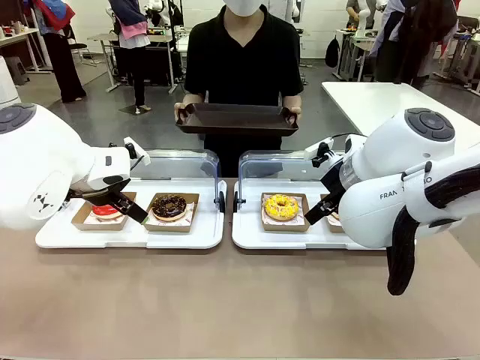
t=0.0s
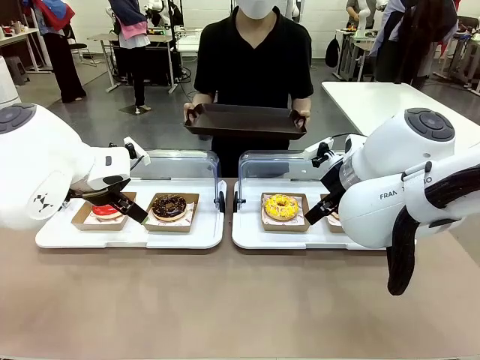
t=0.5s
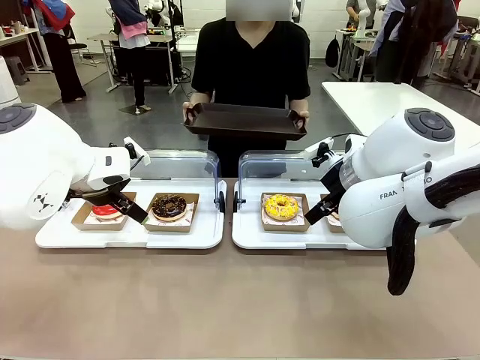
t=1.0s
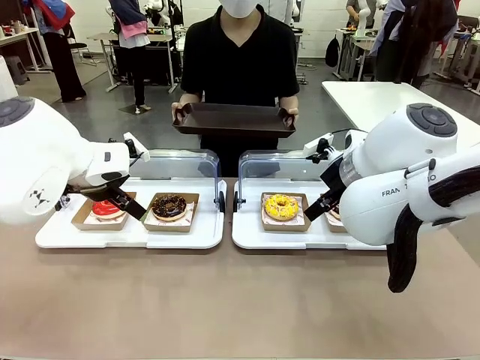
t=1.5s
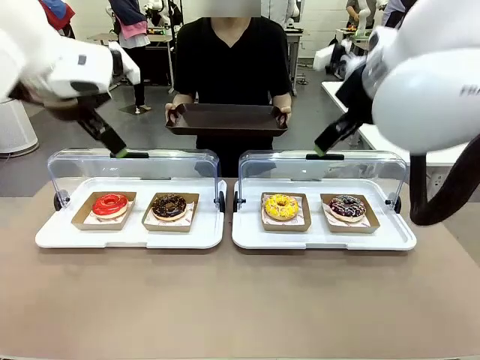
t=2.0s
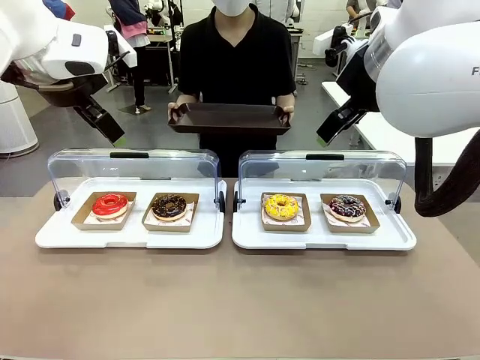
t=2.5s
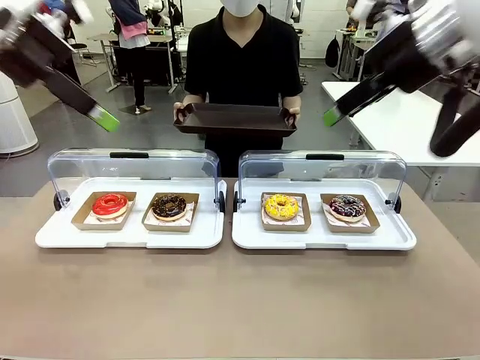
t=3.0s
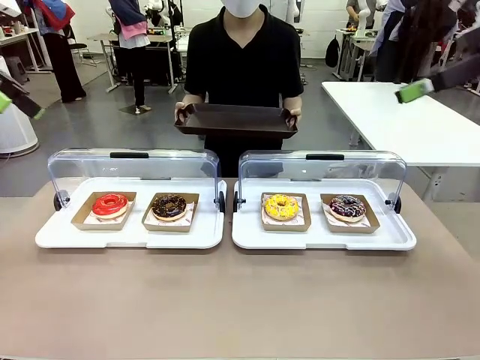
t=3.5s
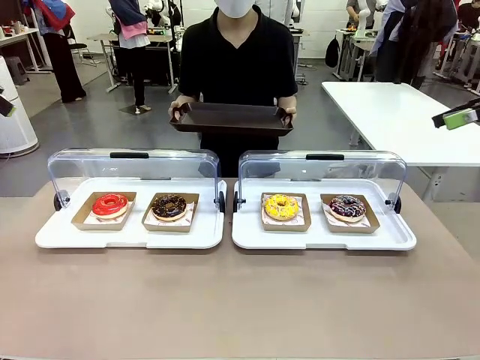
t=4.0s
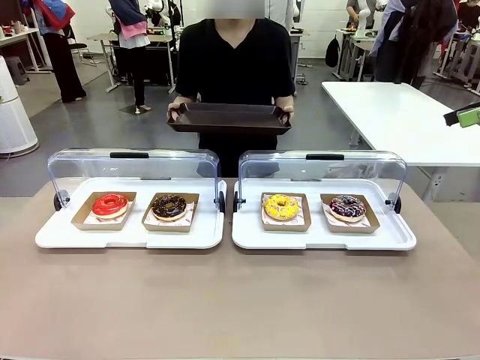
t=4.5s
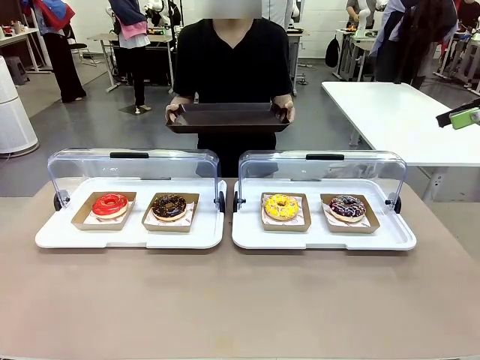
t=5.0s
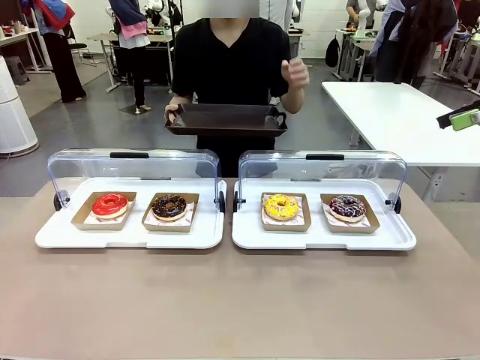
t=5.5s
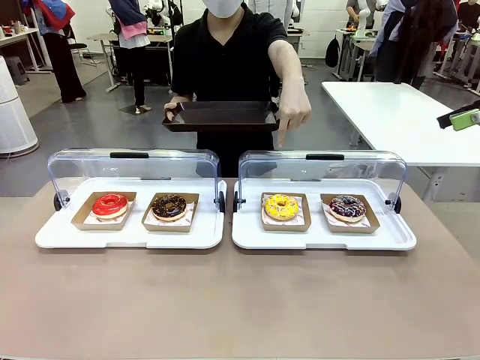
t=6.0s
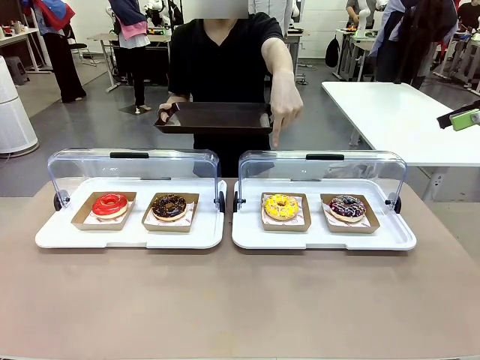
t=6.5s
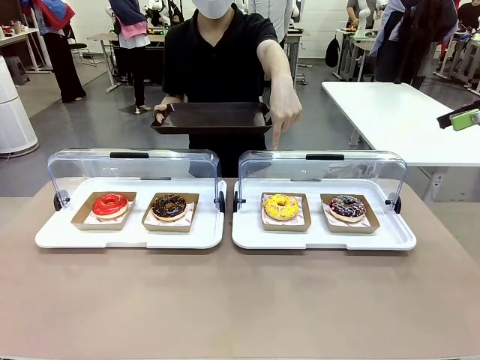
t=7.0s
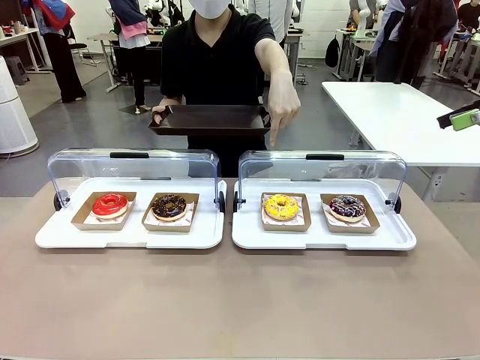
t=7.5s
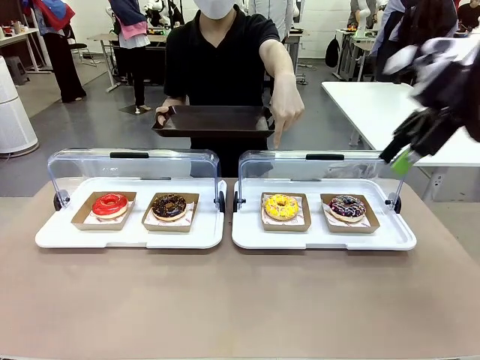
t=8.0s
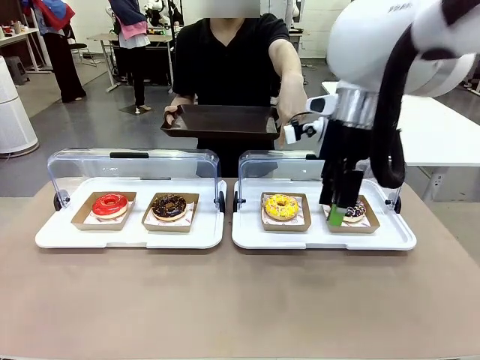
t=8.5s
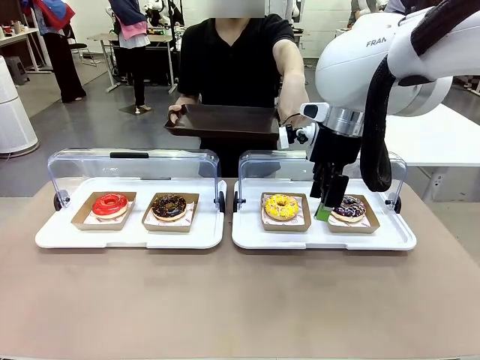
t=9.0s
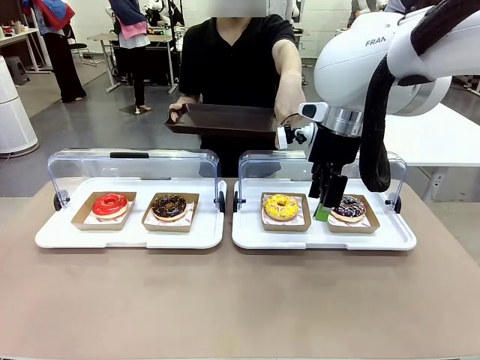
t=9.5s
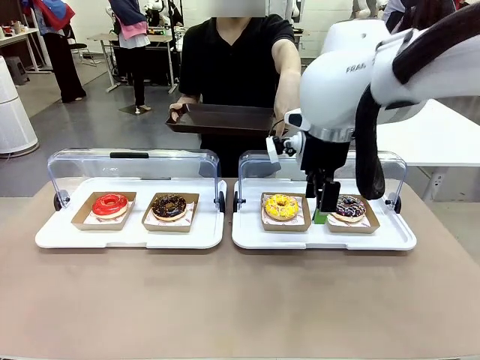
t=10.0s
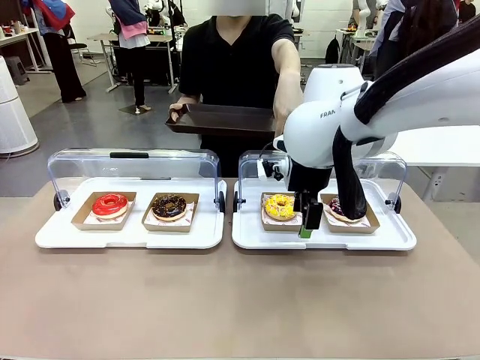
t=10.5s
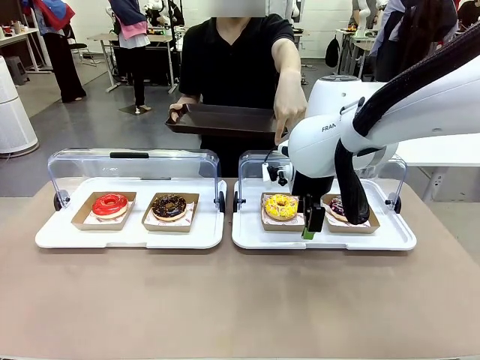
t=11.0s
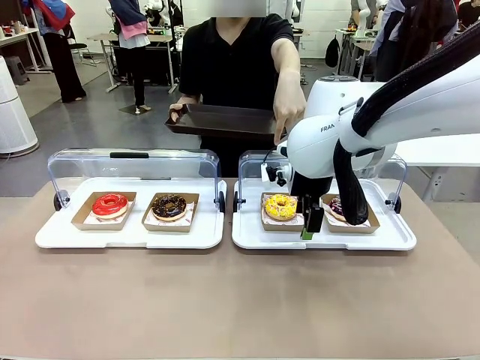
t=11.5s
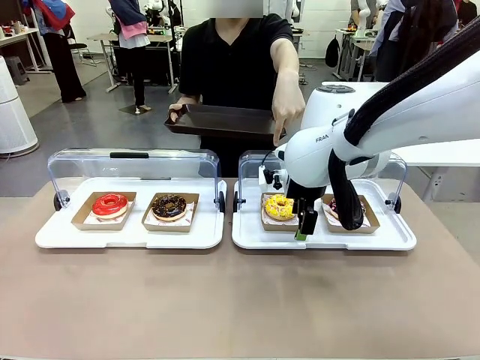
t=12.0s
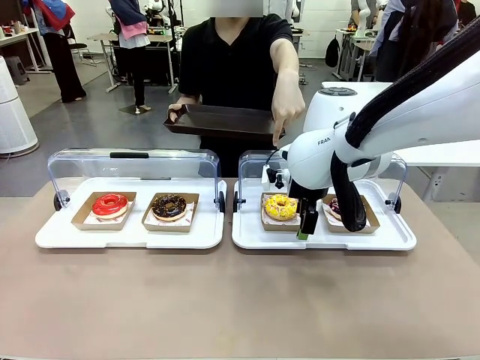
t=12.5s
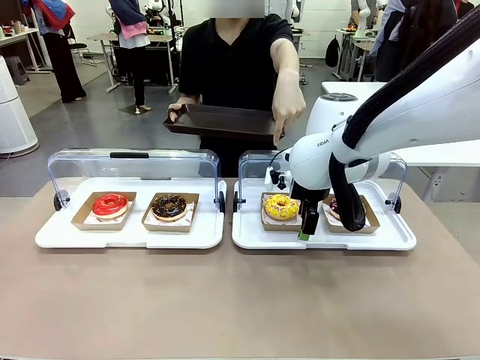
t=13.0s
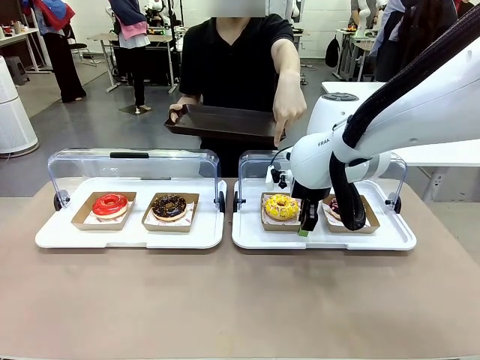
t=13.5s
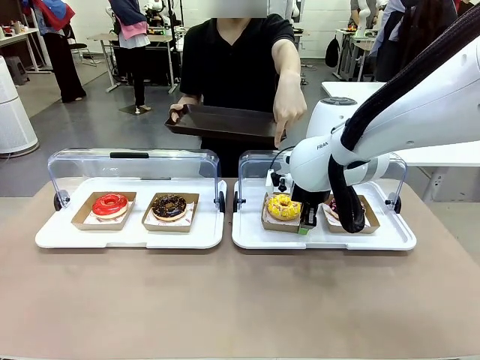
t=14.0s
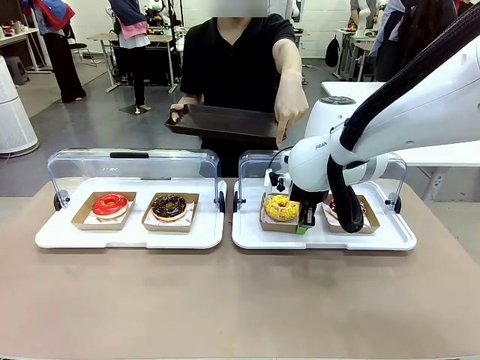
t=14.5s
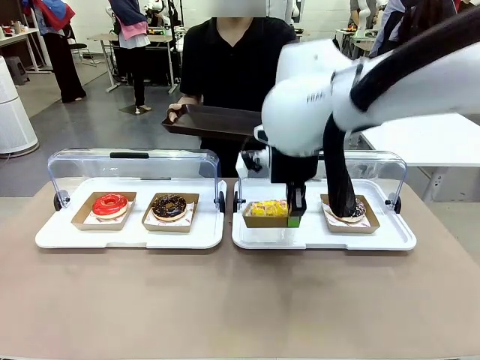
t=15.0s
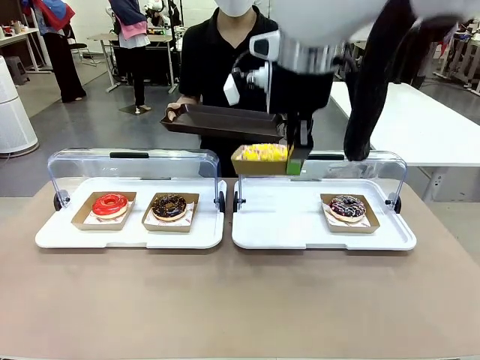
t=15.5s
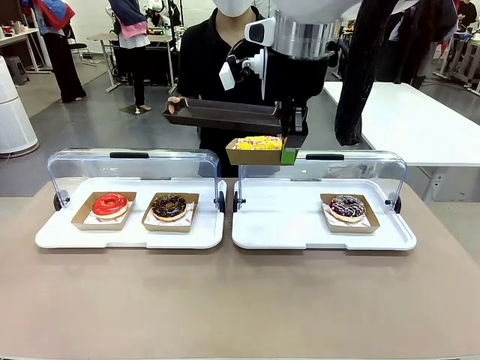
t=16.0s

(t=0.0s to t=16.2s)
Task: Provide the desired donut to the person.
Robot: Pick up and lift the Paper togo box containing the Donut pointed at by the person.
Person: Point to one donut. Lift the tray onto the Roll-Top Bakery Case.

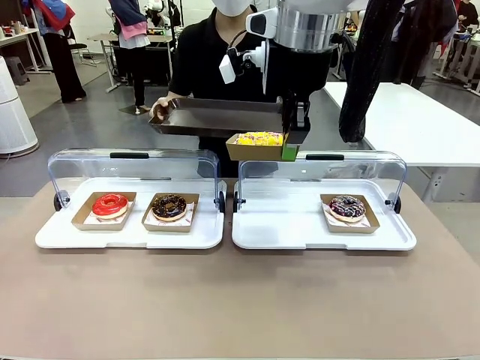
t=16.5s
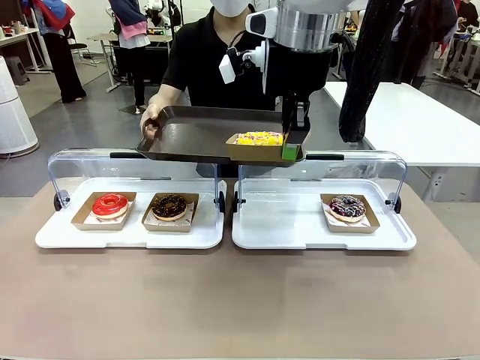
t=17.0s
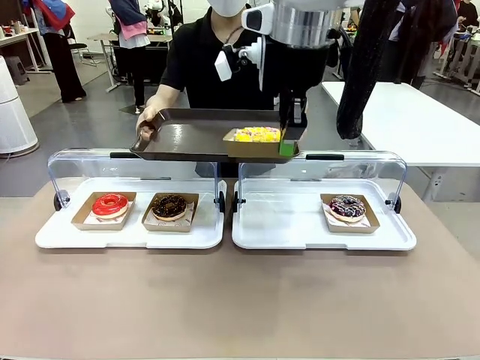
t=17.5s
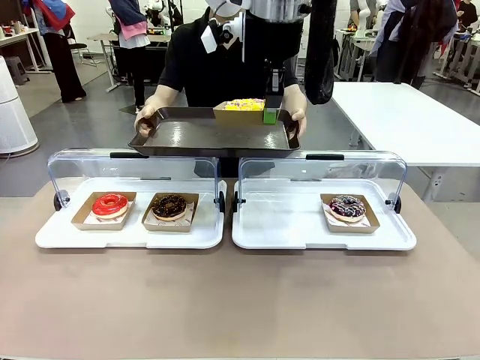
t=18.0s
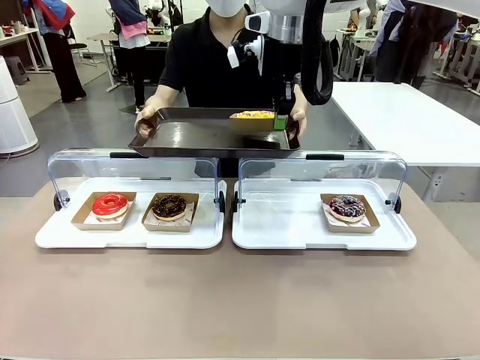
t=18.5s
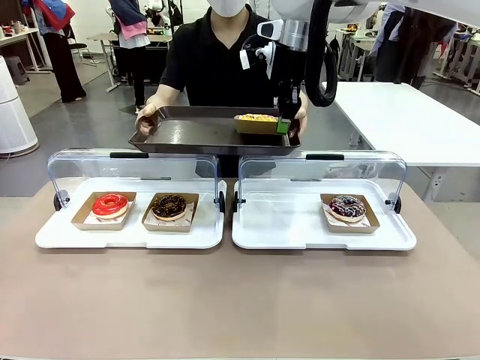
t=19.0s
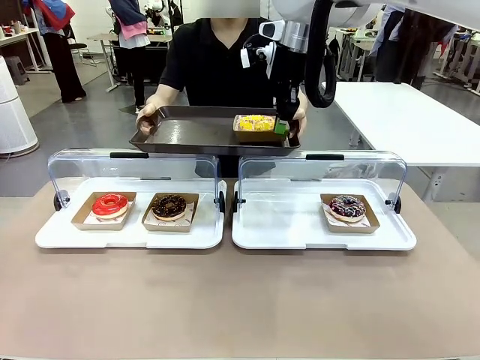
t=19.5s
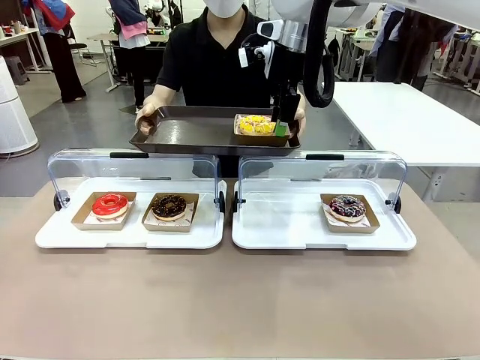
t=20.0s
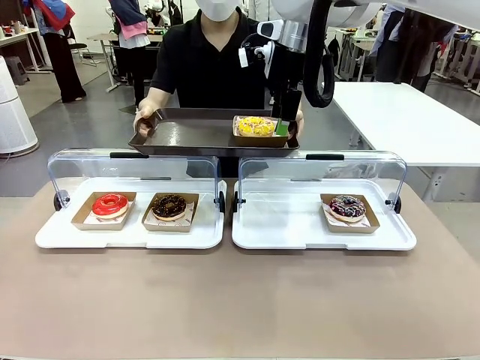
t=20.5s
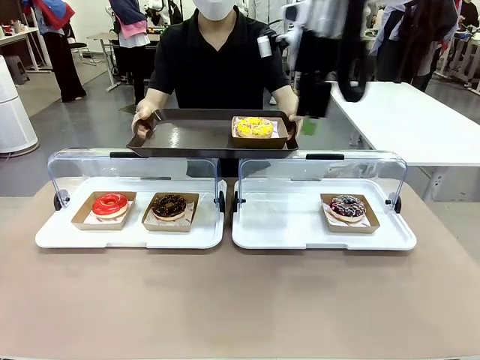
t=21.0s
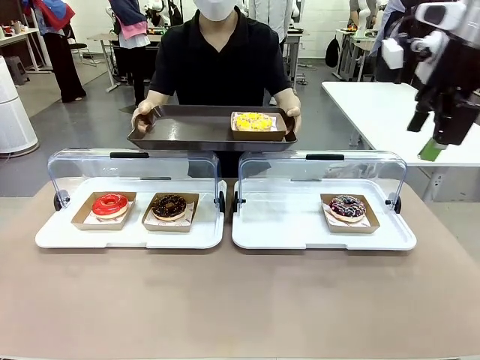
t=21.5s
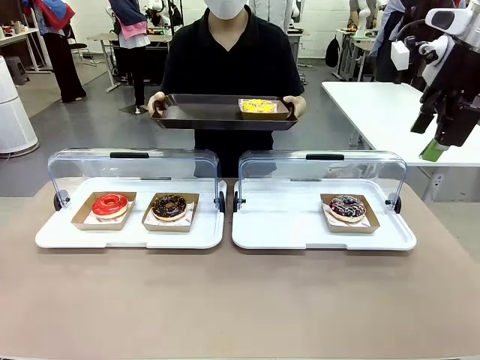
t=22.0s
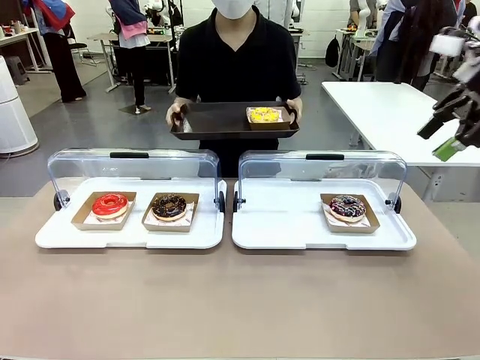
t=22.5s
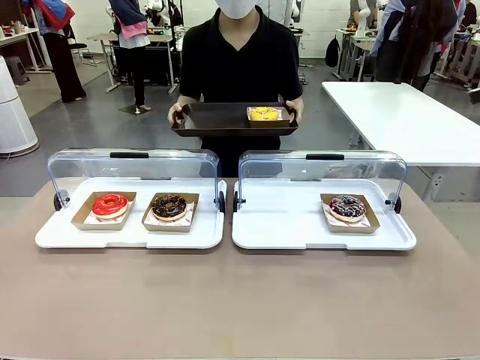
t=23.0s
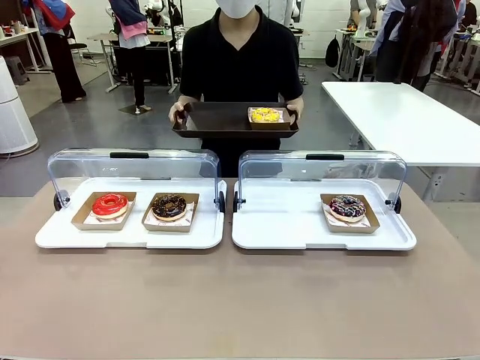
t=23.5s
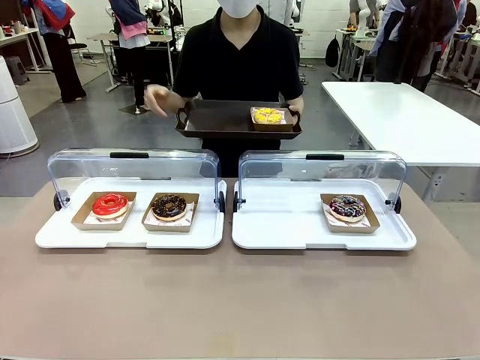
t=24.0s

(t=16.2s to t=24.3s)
Robot: Place the picked Paper togo box onto the Handle tray extended by the person.
Person: Point to one donut.
